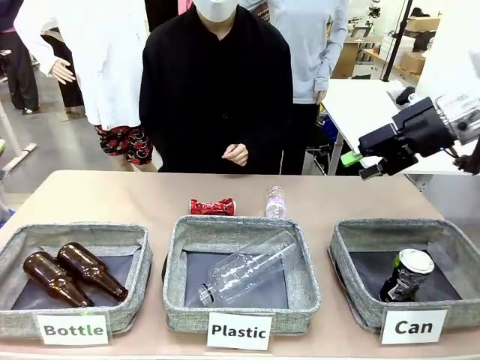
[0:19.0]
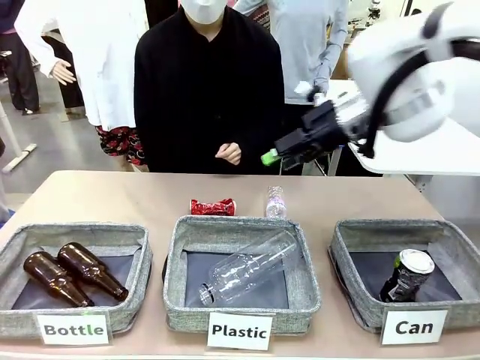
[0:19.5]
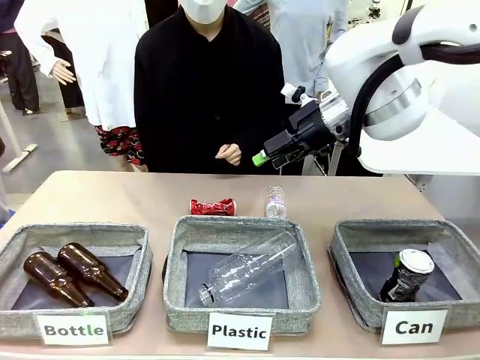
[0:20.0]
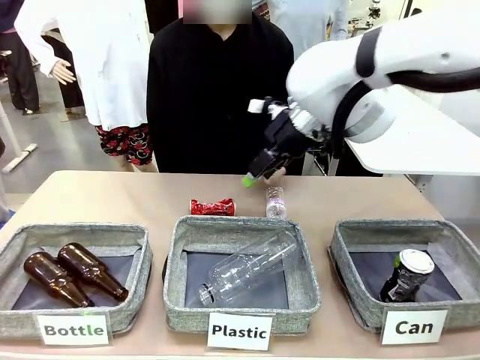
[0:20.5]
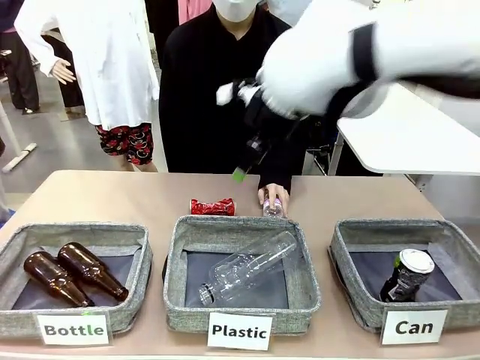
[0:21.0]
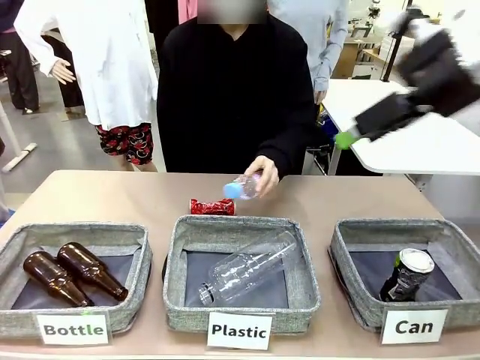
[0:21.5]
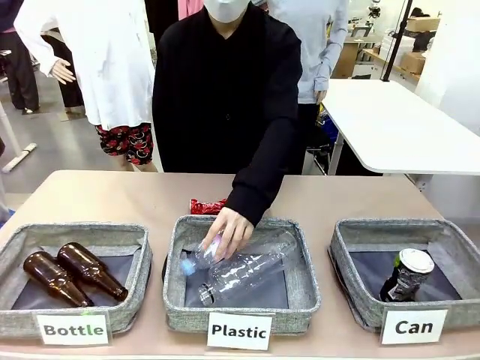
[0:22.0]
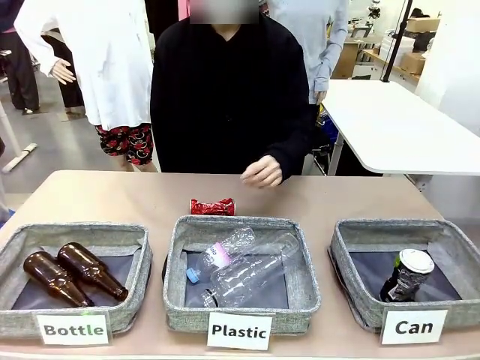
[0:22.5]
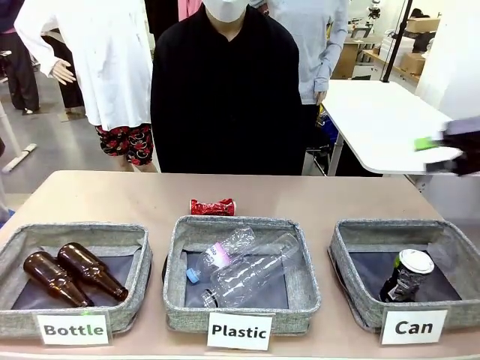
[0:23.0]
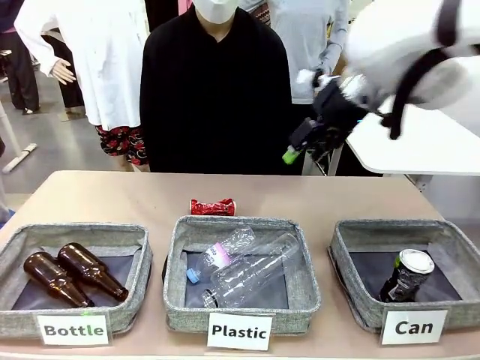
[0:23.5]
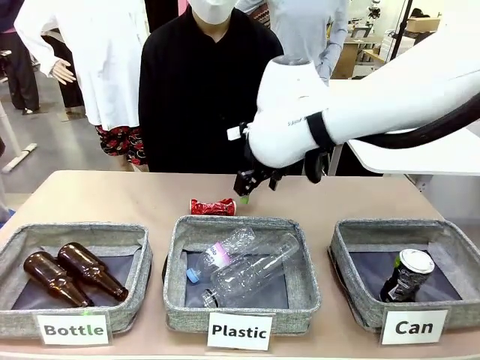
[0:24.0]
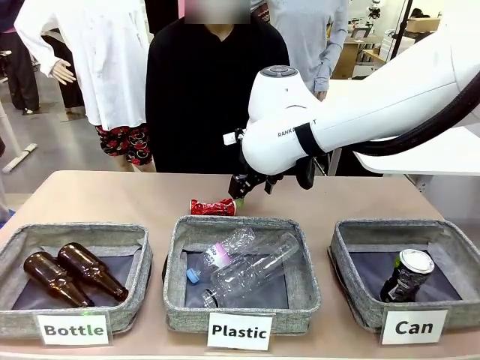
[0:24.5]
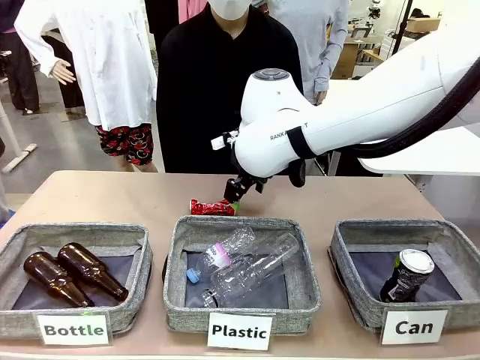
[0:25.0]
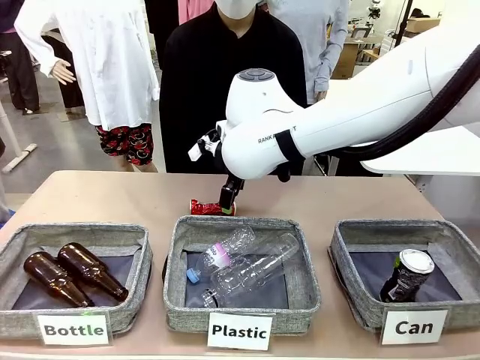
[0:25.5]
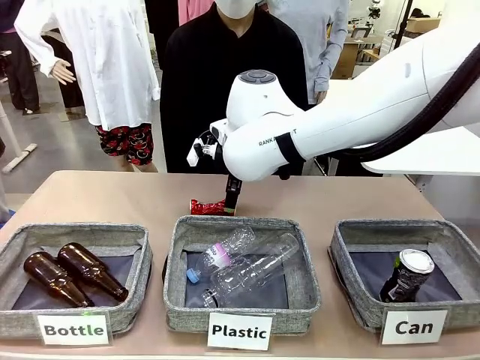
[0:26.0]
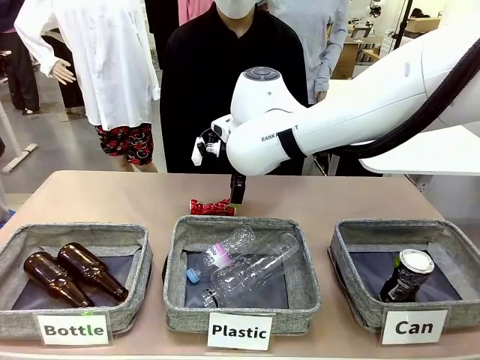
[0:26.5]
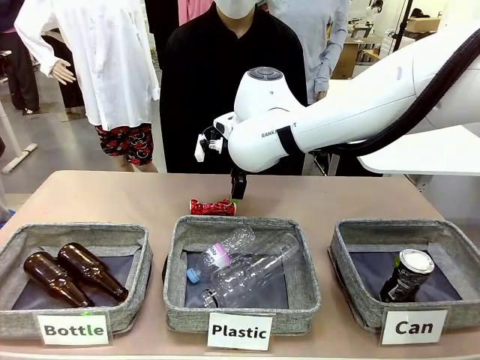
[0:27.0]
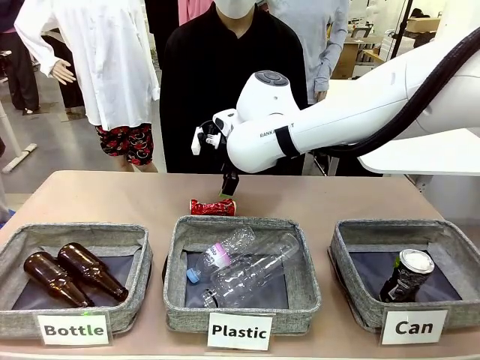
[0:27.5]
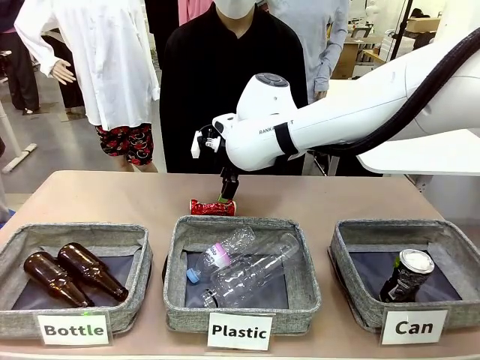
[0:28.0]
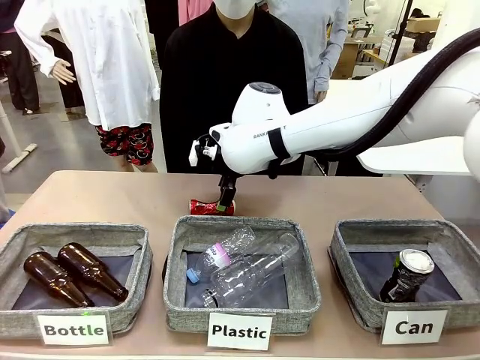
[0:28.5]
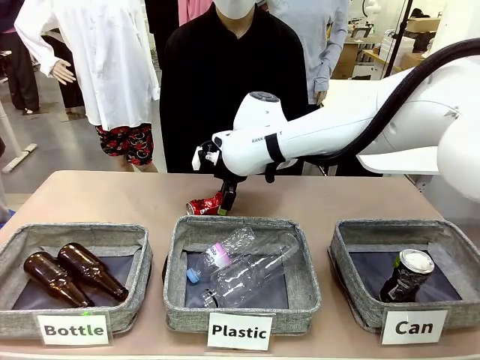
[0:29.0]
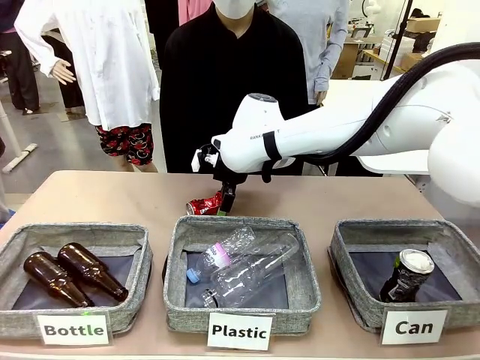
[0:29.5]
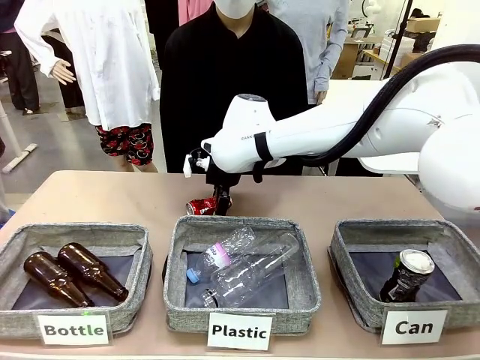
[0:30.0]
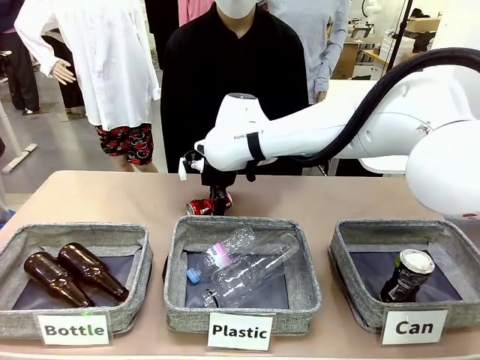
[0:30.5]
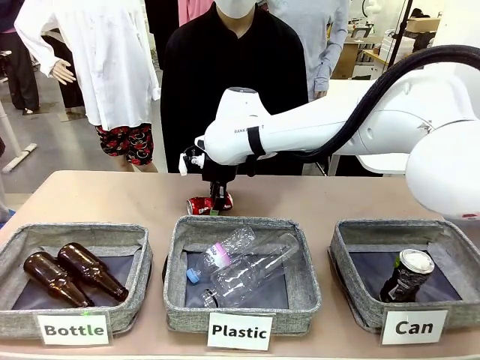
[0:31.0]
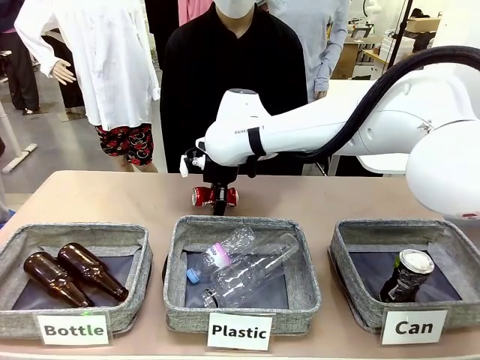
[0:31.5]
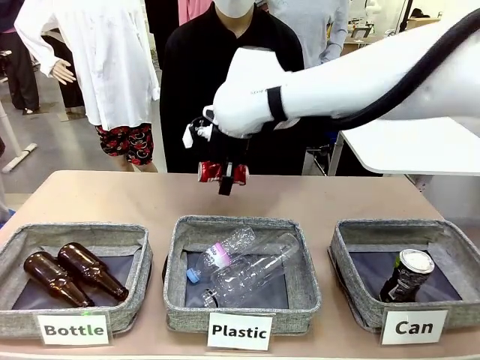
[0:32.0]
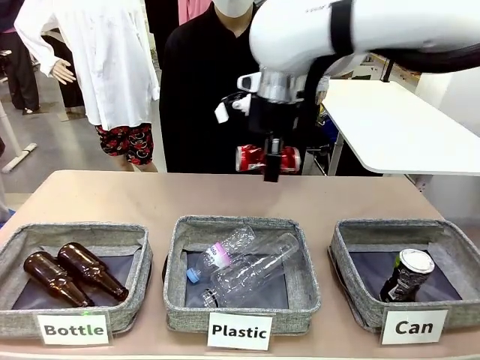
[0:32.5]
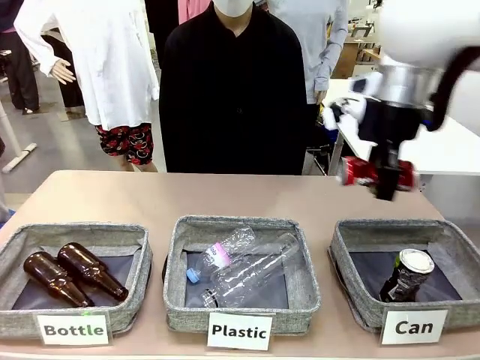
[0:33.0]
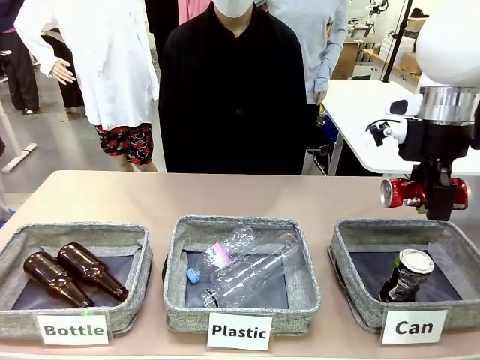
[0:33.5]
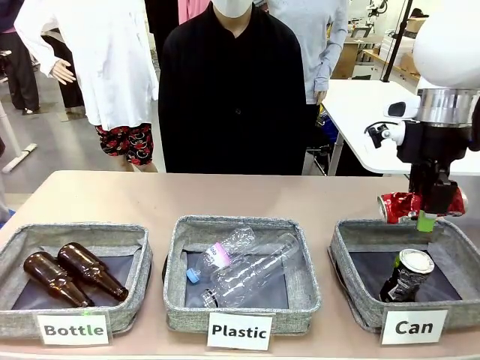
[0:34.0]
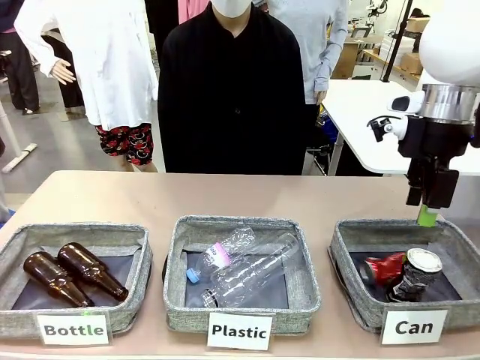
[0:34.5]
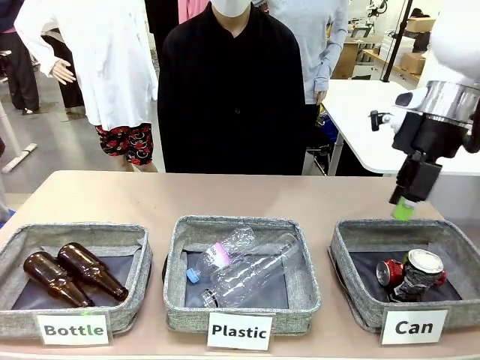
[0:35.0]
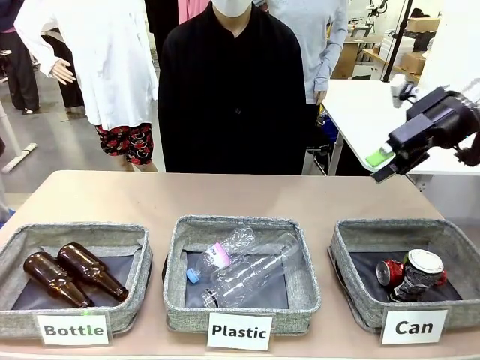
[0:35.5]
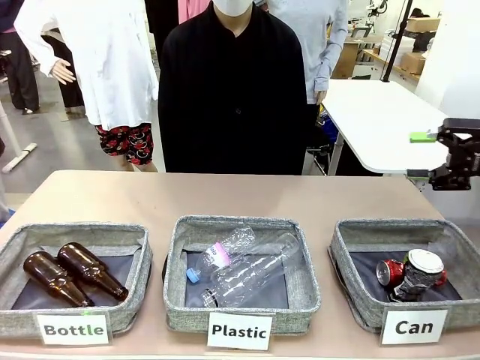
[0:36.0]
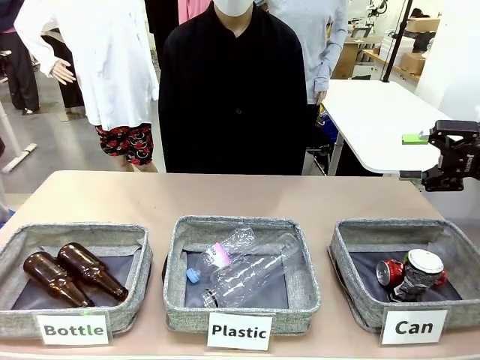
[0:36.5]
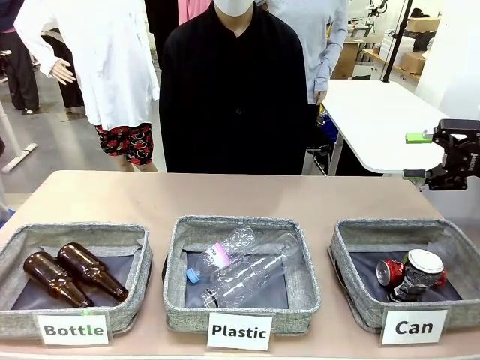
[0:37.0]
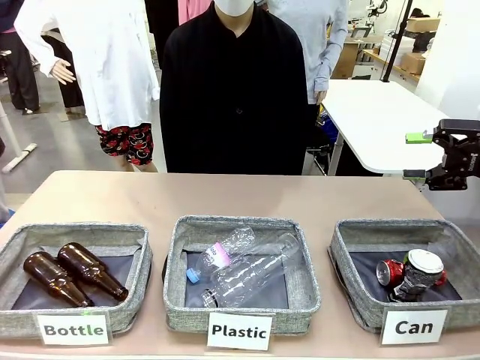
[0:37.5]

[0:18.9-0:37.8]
Task: Sort the can waste into the basket.
Robot: Pick up the can waste from the table and place it in the right Fabric basket.
